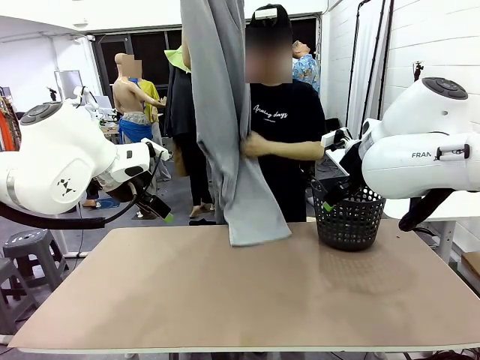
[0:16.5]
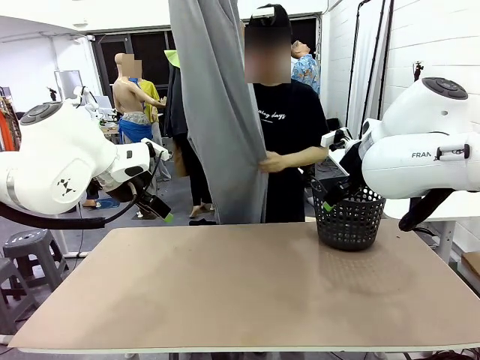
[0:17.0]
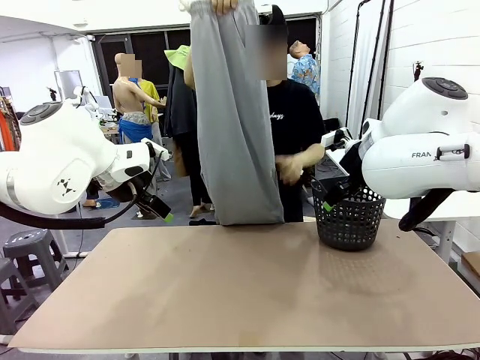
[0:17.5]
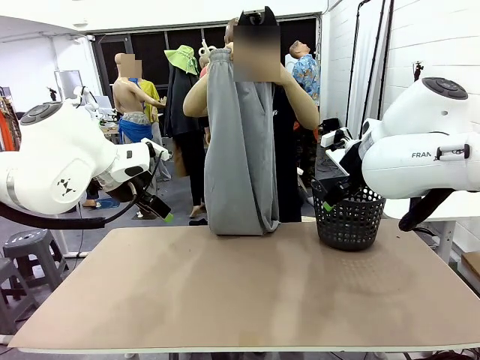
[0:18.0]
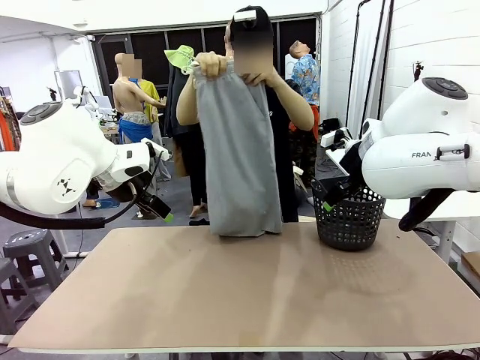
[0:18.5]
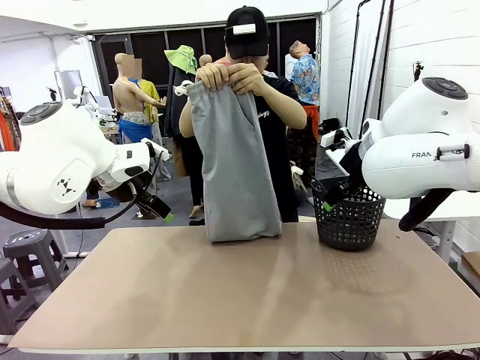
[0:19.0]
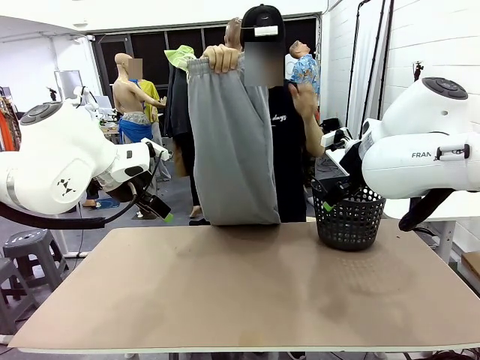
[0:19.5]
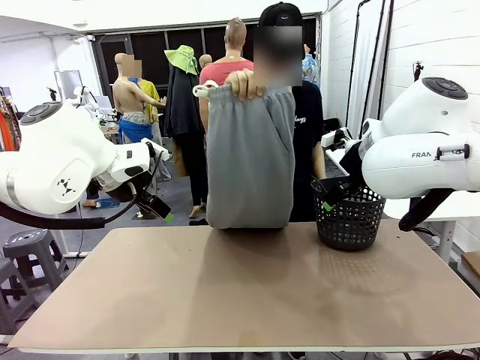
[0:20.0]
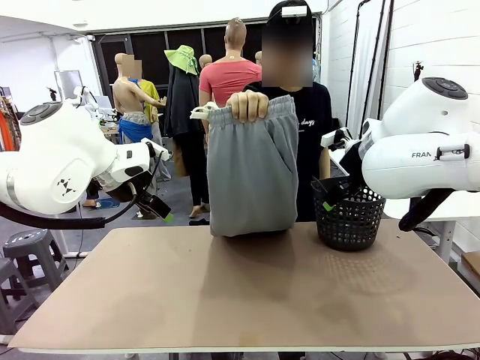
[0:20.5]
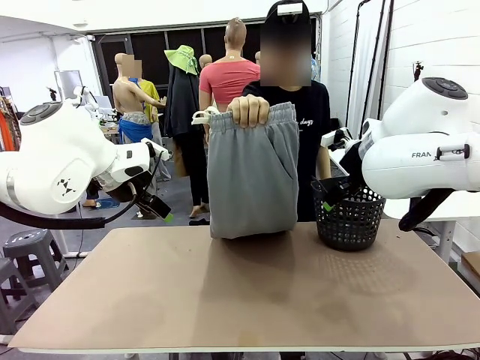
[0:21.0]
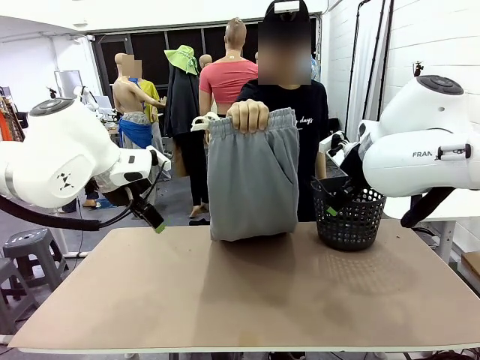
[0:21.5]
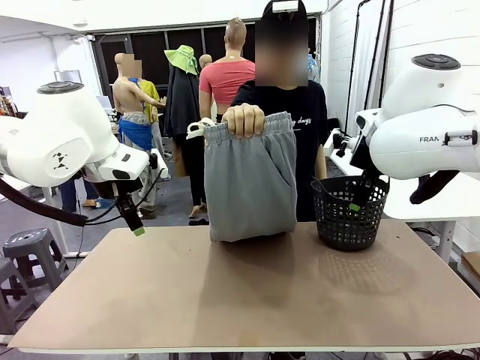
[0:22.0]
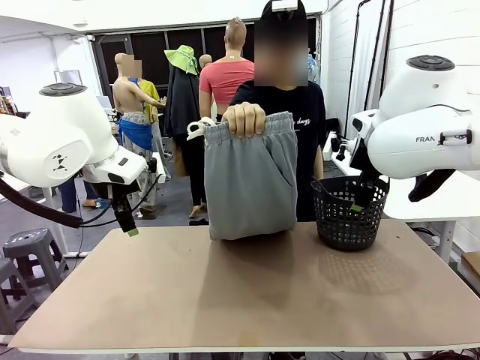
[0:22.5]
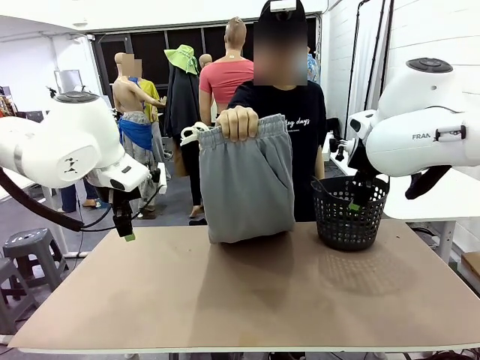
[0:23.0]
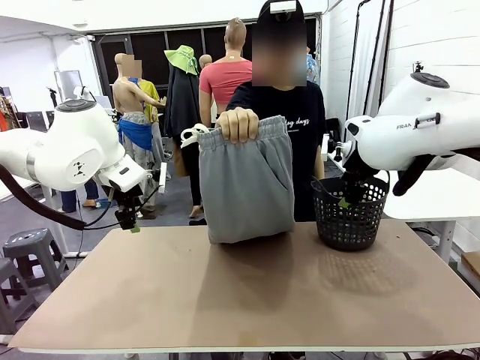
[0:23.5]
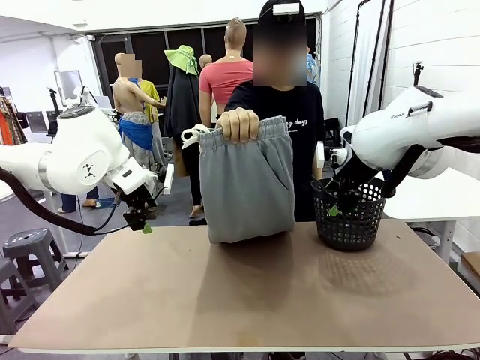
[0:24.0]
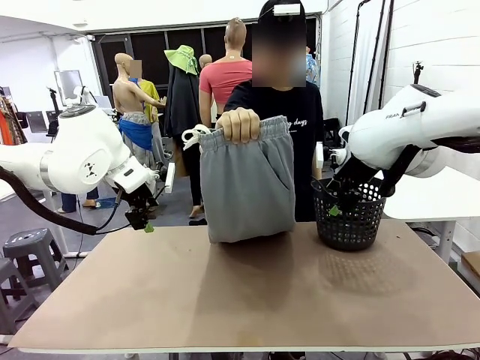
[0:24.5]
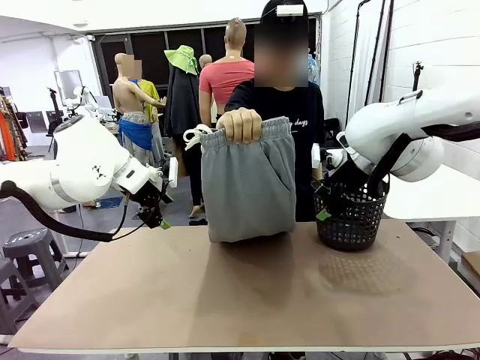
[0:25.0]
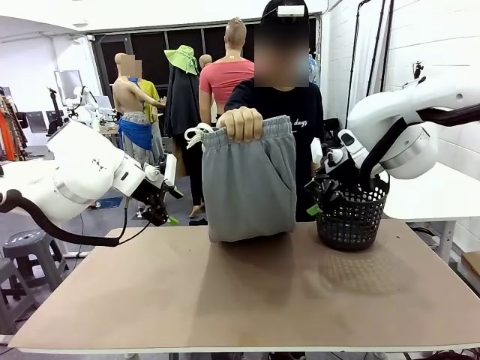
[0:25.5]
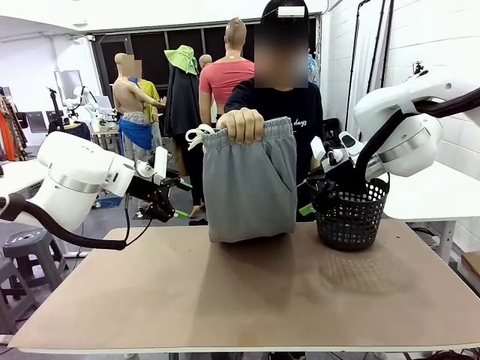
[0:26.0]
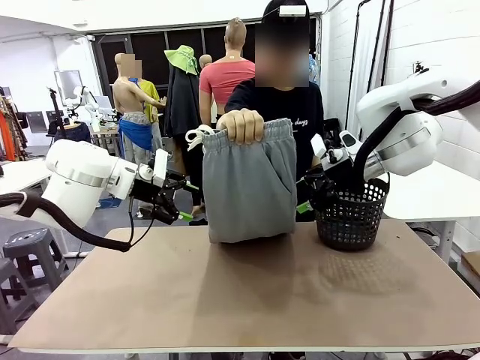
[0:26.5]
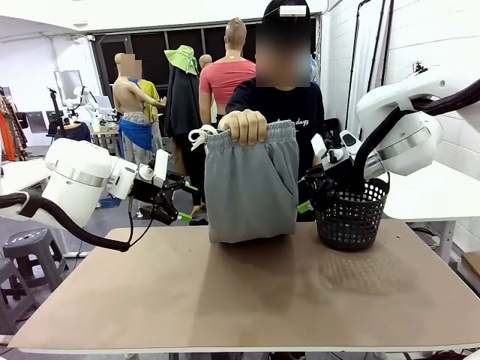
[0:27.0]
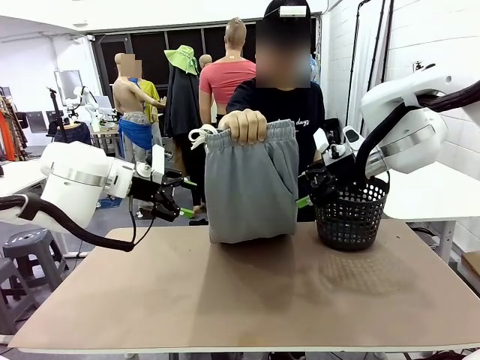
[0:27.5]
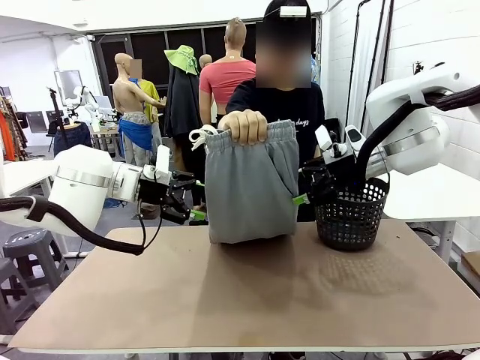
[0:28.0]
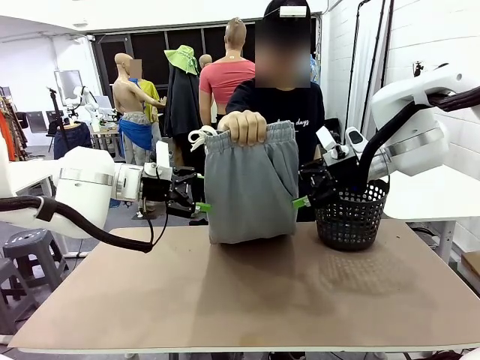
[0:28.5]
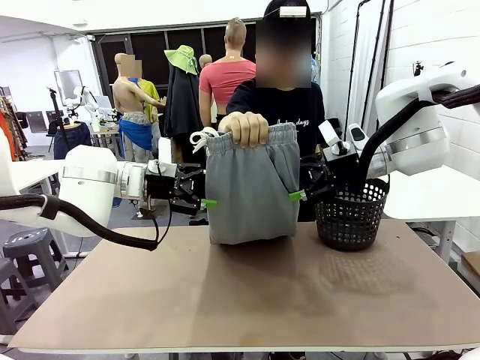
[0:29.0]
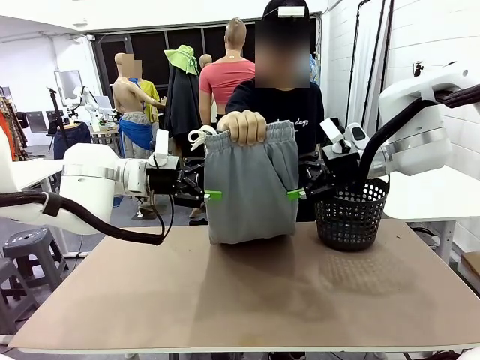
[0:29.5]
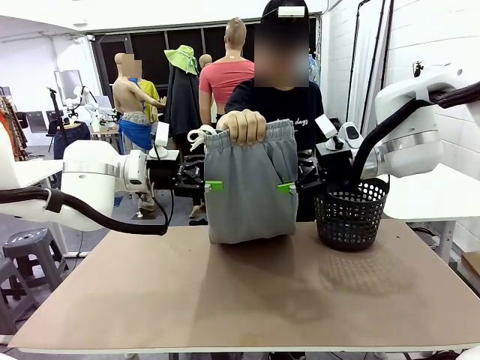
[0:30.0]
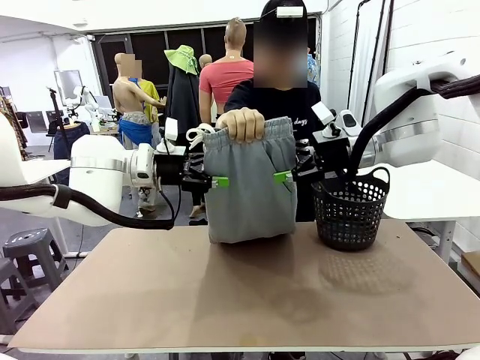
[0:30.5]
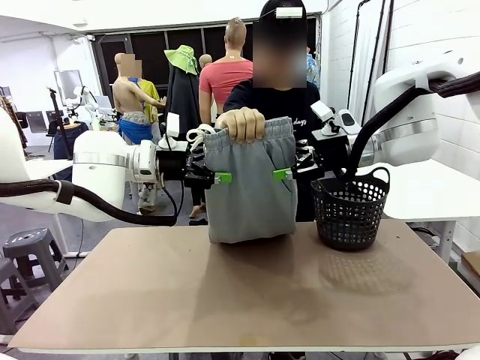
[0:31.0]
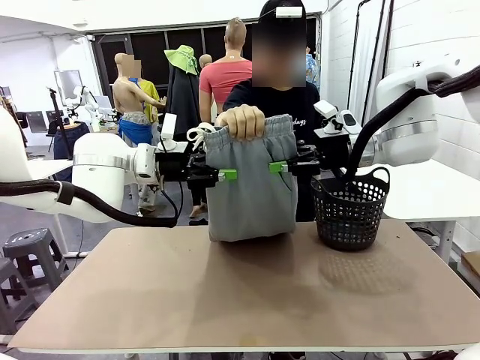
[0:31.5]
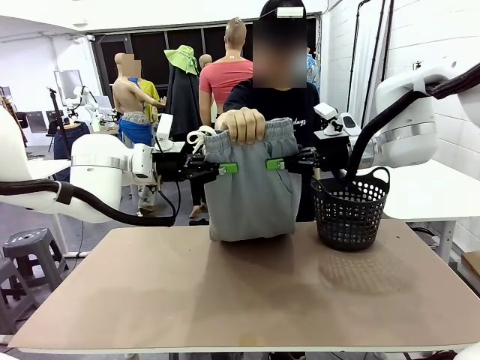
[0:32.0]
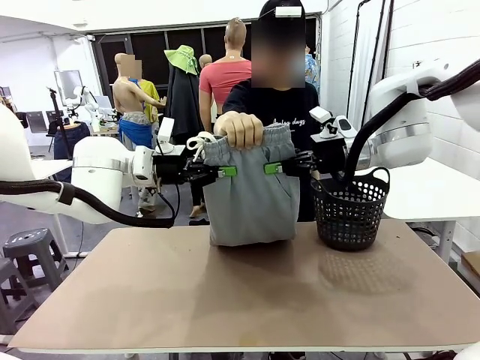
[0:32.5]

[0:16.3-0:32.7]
Task: Fold the training pants.
Robot: Grab both ends of the Training pants handed by a person.
